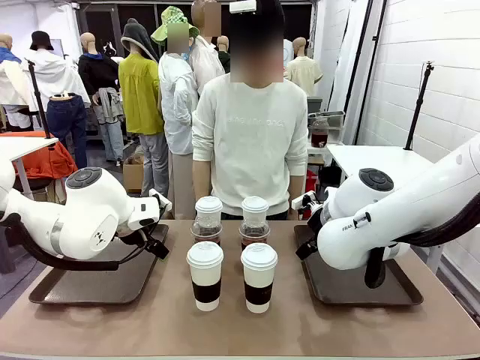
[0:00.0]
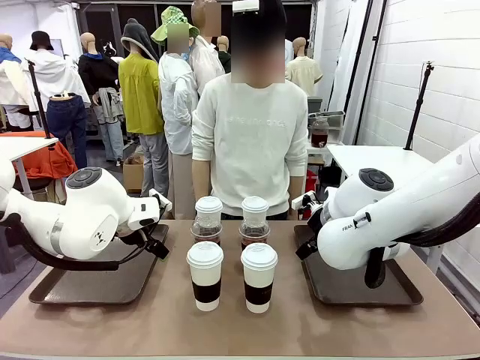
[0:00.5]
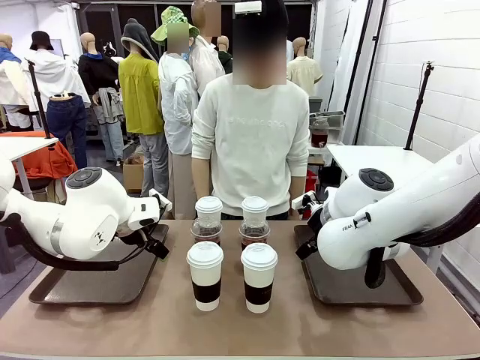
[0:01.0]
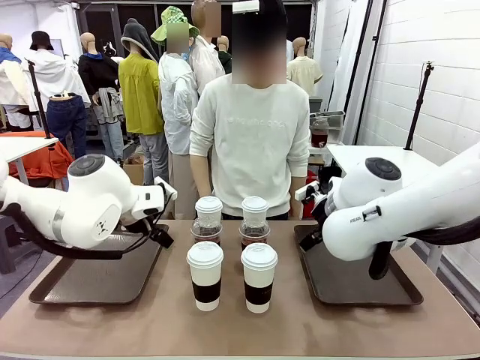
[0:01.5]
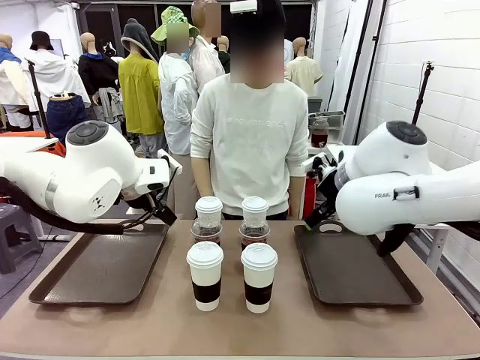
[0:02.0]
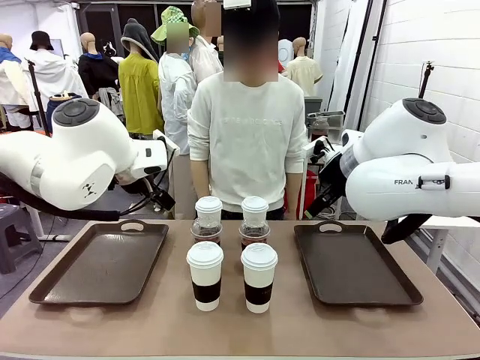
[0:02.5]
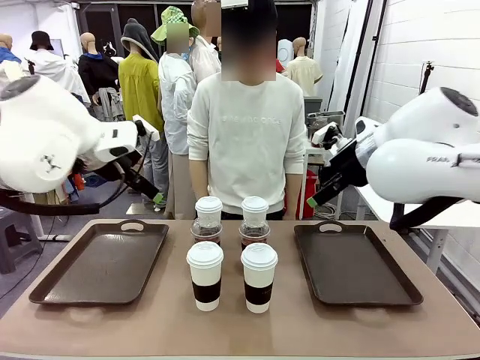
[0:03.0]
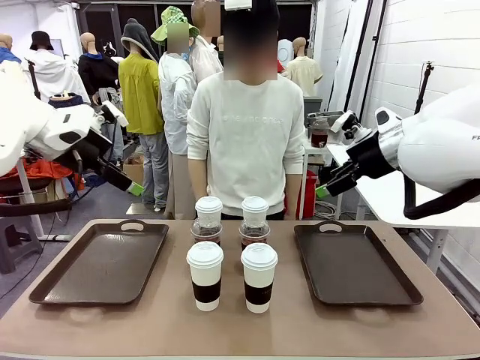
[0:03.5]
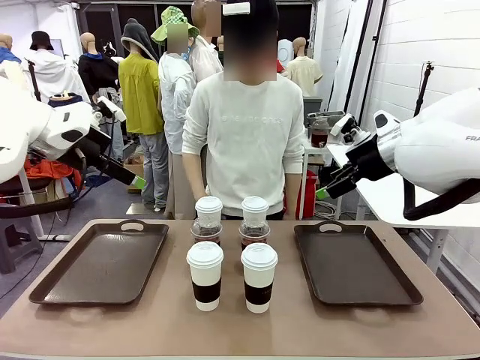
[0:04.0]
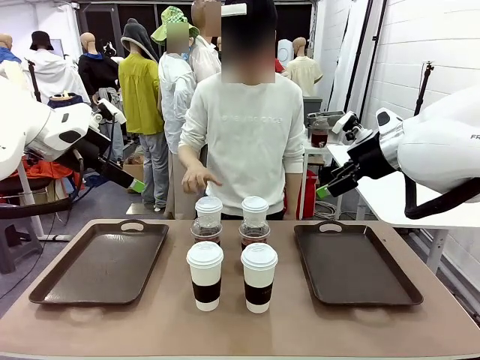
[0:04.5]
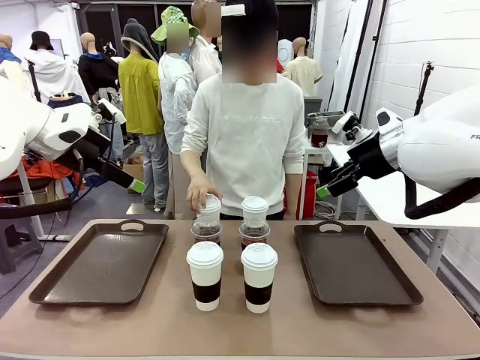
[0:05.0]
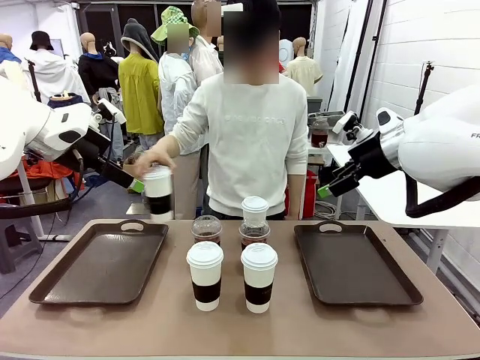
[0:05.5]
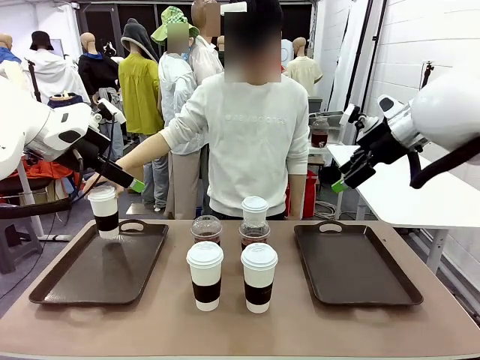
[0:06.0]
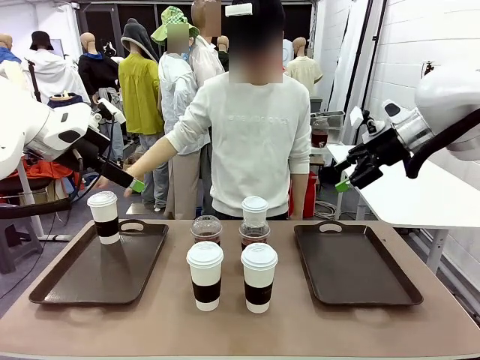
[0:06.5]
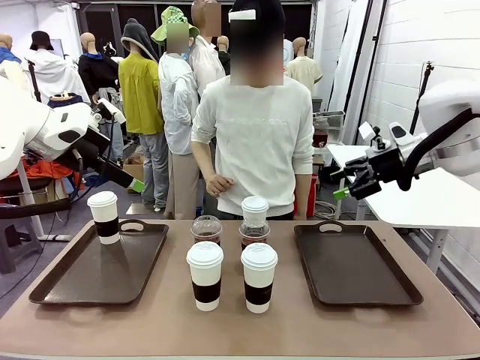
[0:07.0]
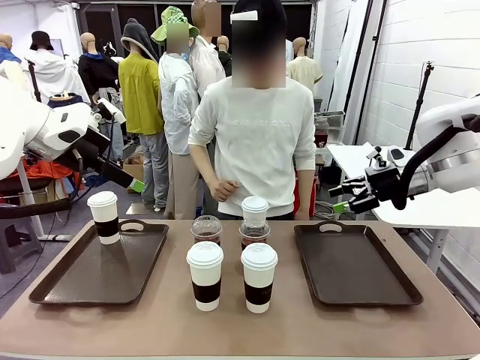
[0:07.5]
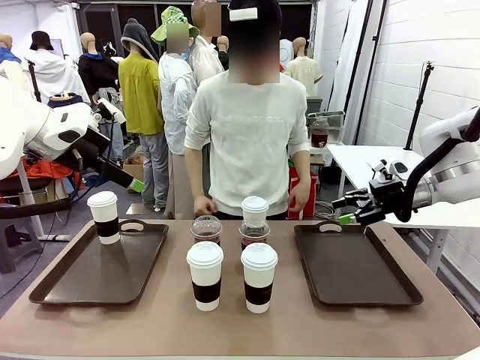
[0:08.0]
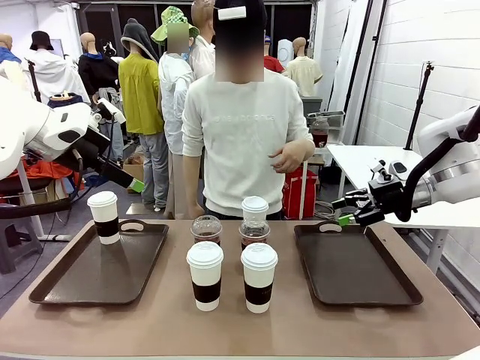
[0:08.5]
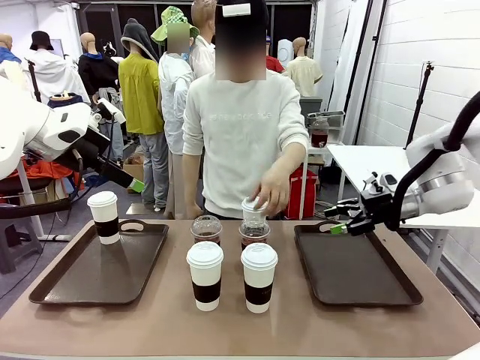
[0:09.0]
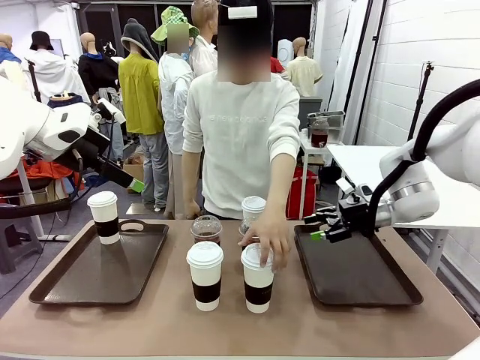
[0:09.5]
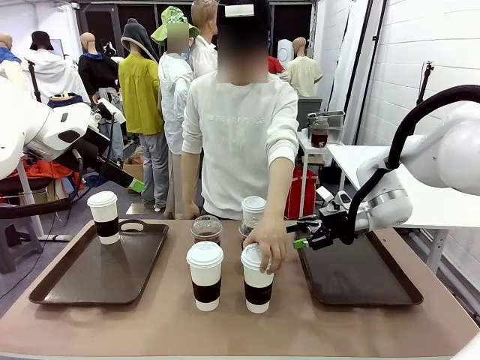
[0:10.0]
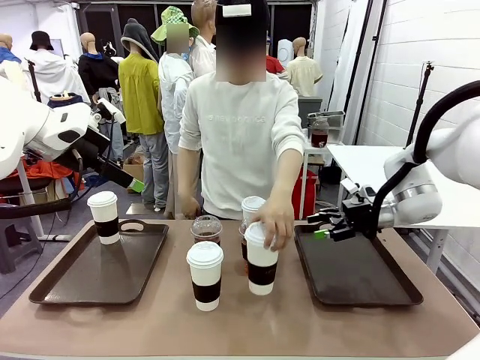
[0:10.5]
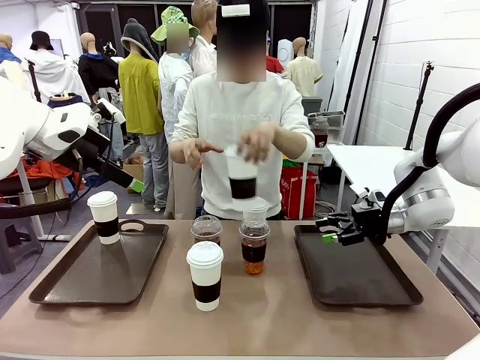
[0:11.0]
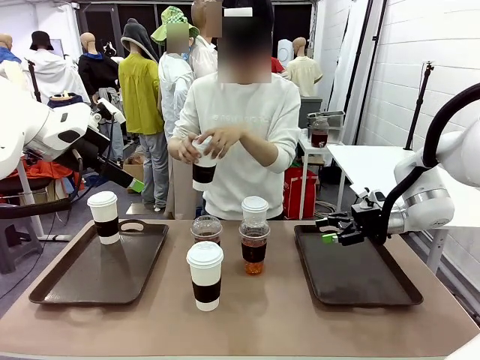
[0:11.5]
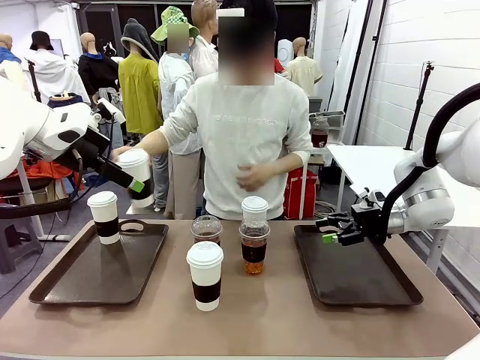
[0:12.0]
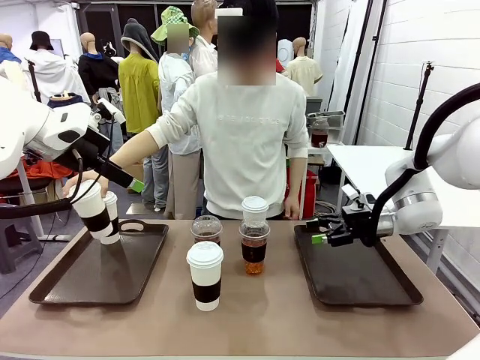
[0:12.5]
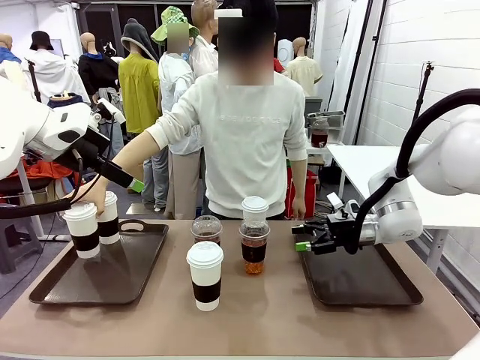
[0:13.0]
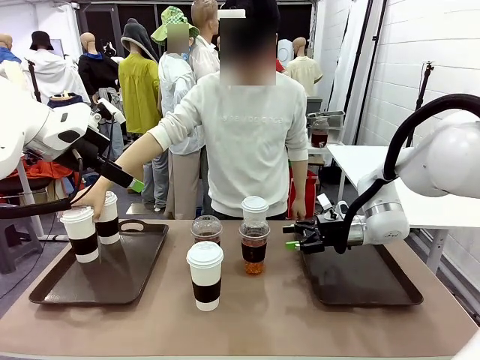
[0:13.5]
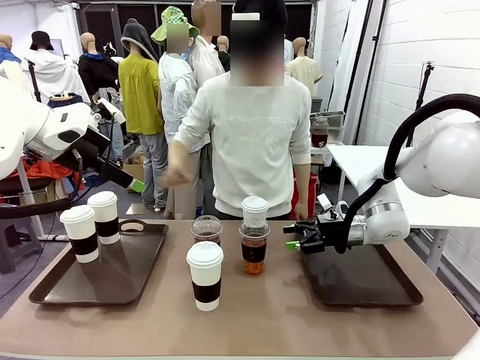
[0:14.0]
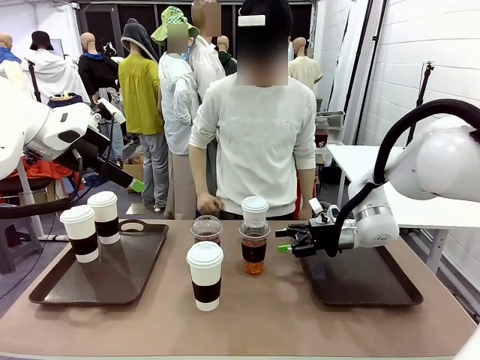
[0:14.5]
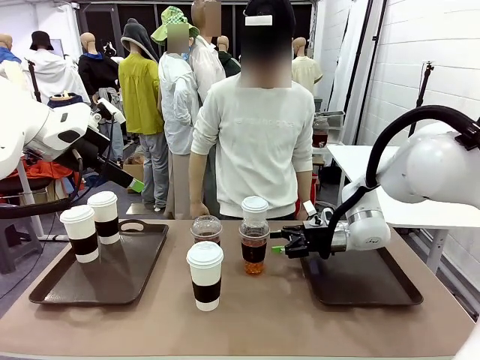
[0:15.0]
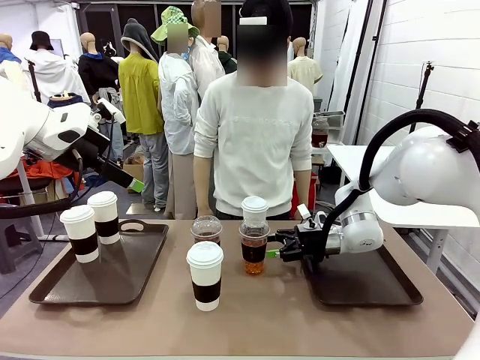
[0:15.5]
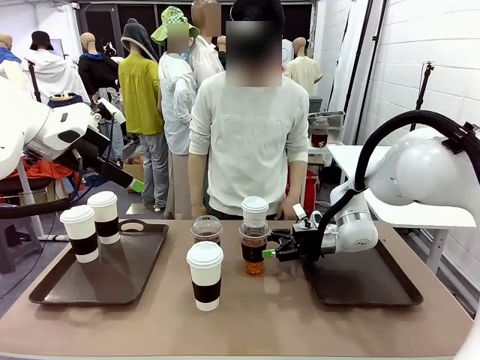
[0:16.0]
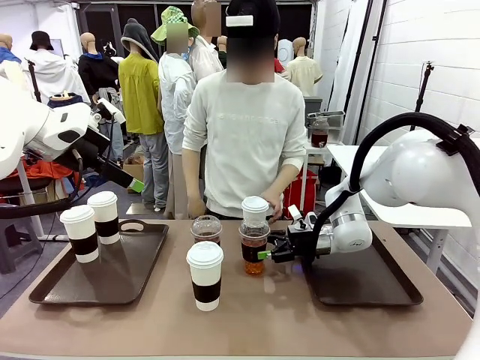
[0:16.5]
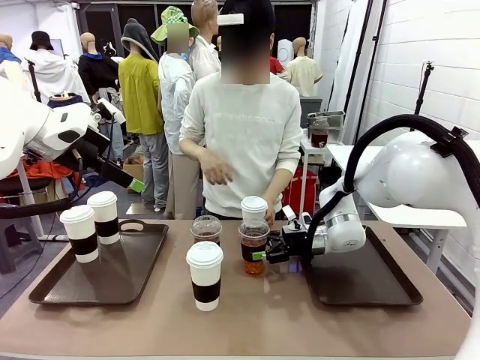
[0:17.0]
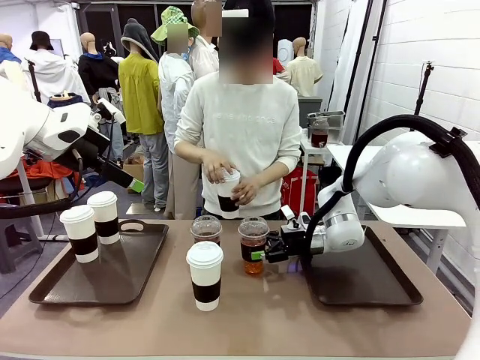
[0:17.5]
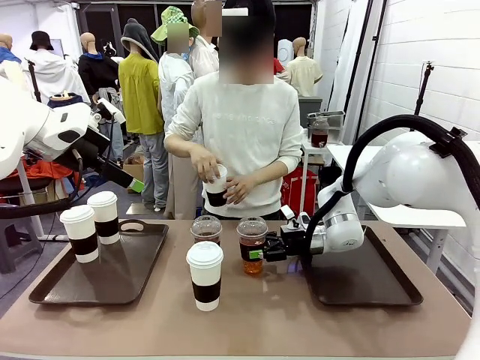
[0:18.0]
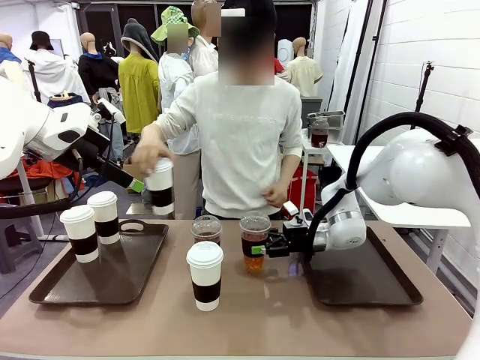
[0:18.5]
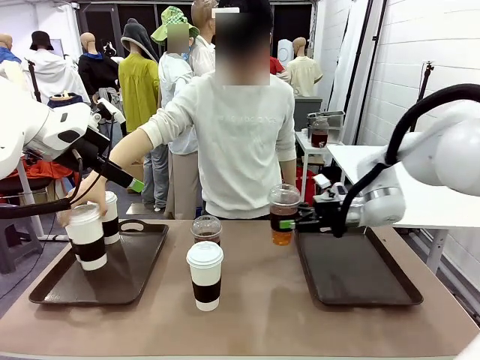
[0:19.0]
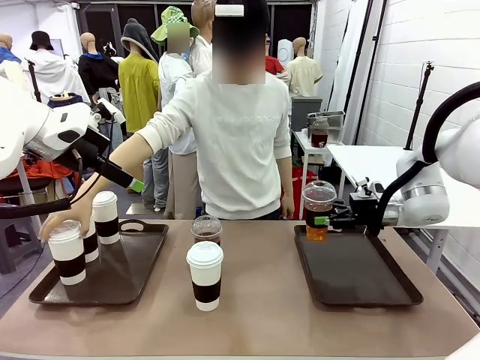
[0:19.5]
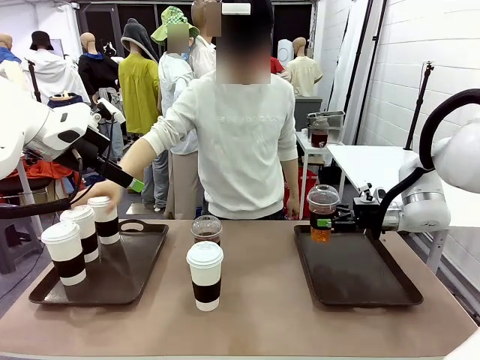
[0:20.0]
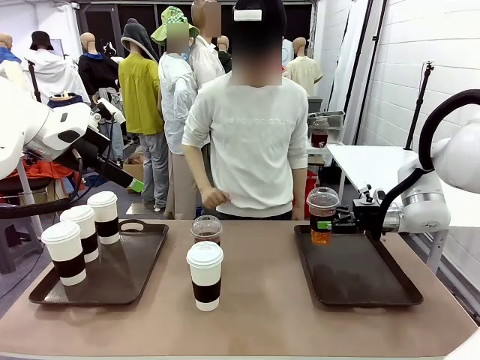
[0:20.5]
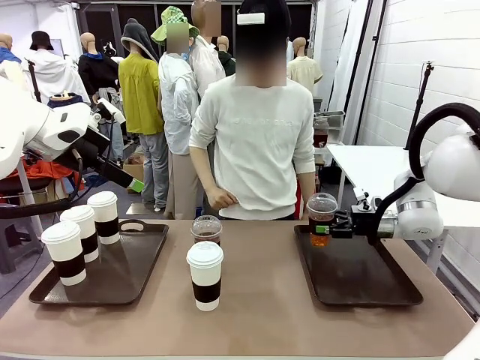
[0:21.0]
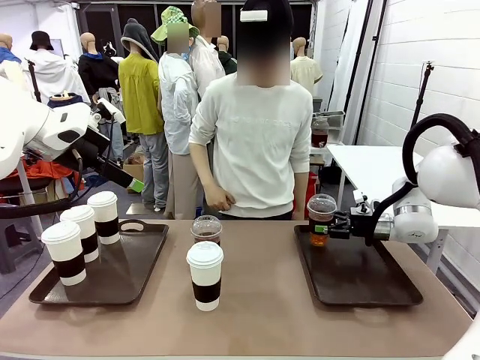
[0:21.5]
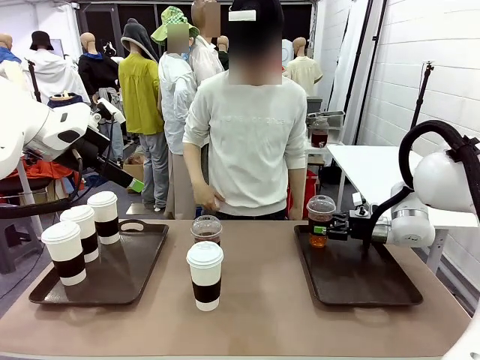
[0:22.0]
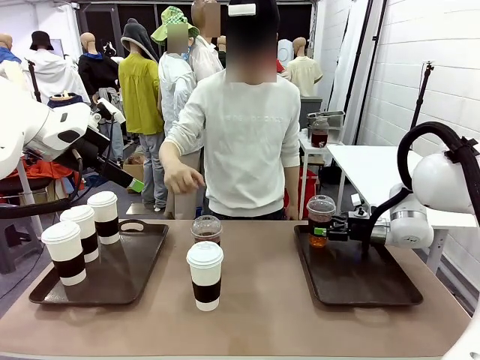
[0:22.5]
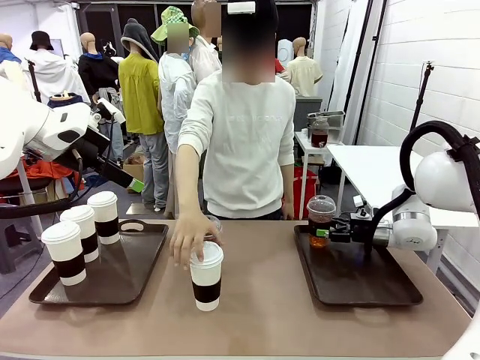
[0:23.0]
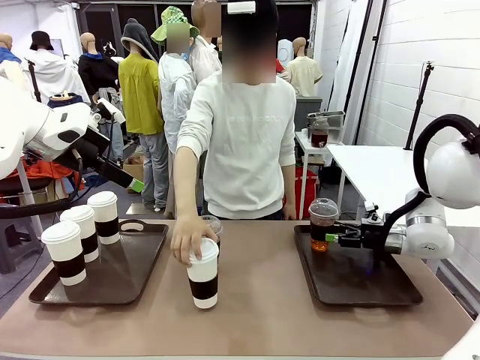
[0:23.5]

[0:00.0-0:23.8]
Task: Distribute the coffee onto the tray.
Robot: Pick up one iced Americano and place it on the right Handle tray.
Person: Pick up a cup of hot Americano and place it on the right tray. Pick up a cup of hot Americano from the middle of the table and place it on the right tray.
